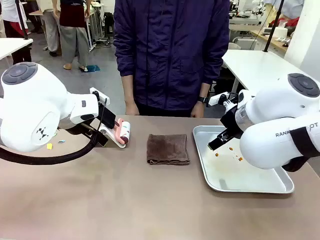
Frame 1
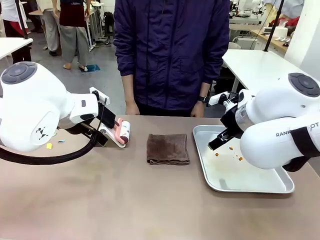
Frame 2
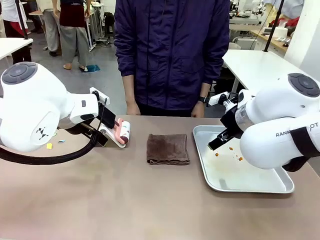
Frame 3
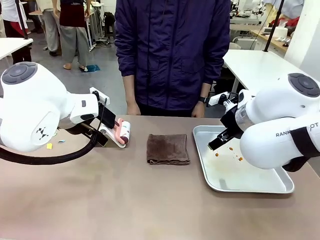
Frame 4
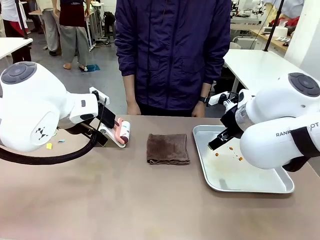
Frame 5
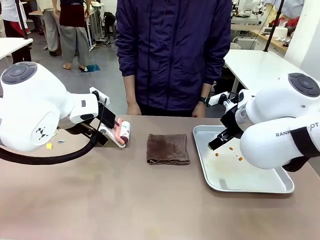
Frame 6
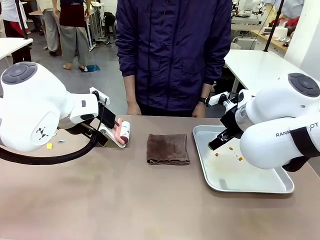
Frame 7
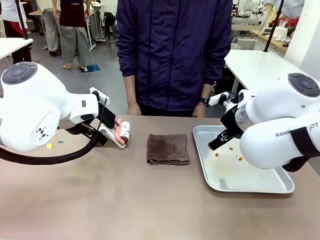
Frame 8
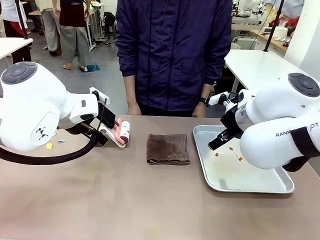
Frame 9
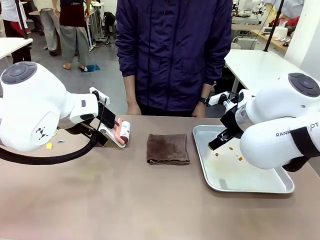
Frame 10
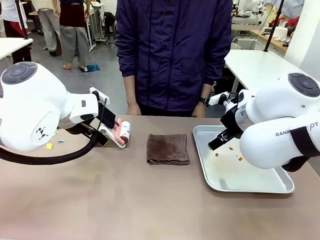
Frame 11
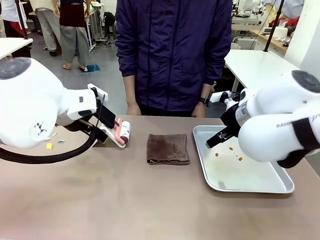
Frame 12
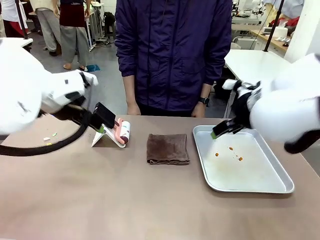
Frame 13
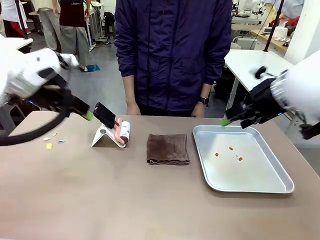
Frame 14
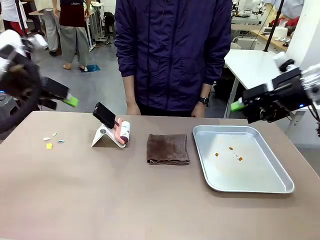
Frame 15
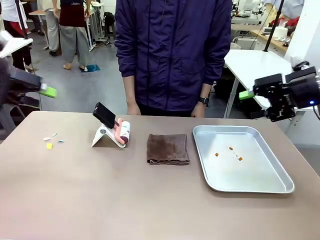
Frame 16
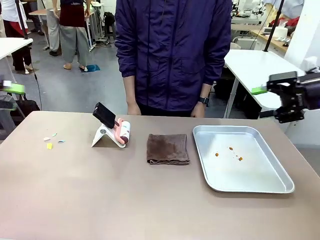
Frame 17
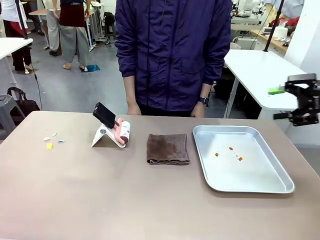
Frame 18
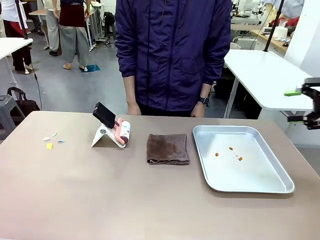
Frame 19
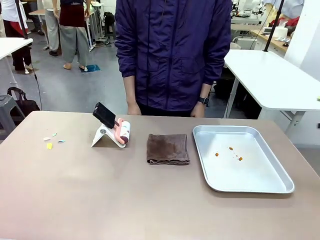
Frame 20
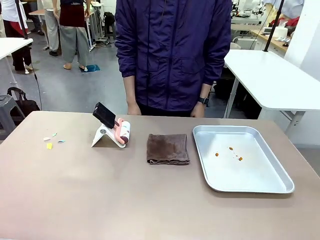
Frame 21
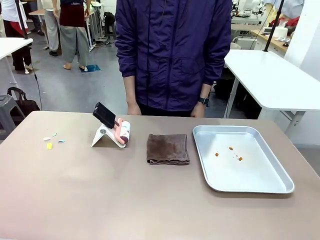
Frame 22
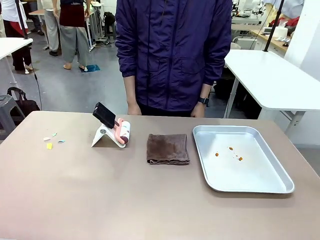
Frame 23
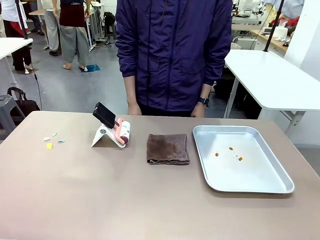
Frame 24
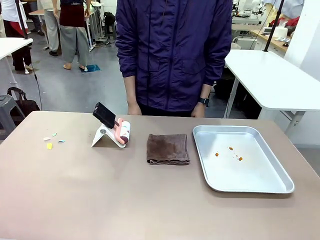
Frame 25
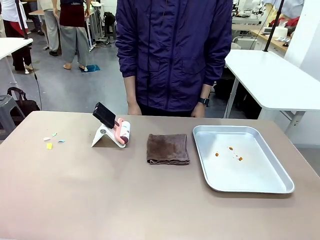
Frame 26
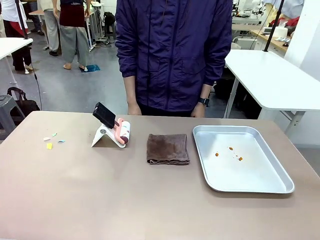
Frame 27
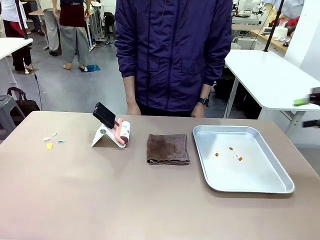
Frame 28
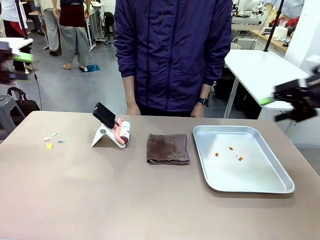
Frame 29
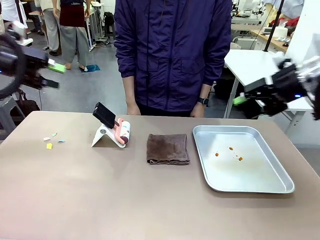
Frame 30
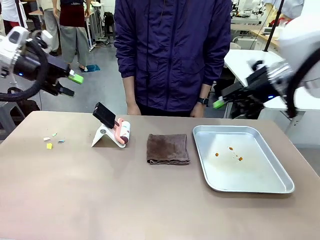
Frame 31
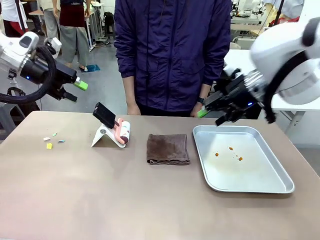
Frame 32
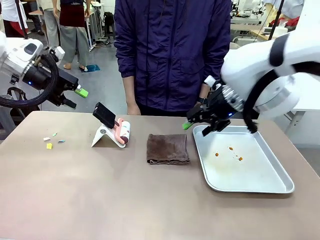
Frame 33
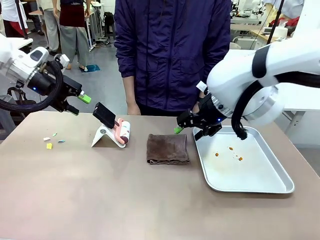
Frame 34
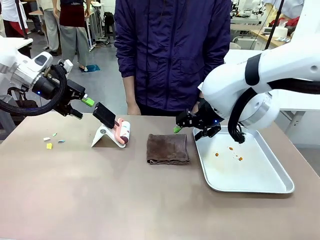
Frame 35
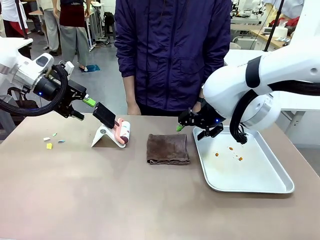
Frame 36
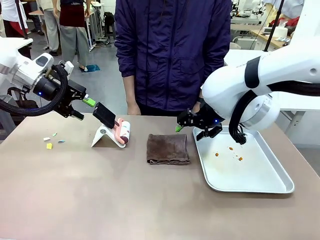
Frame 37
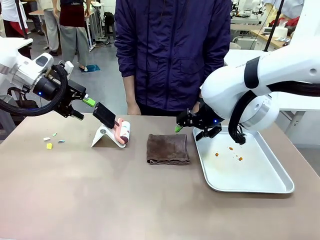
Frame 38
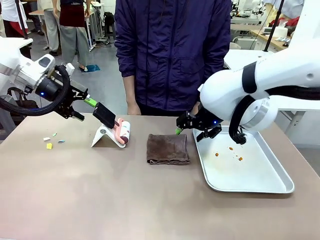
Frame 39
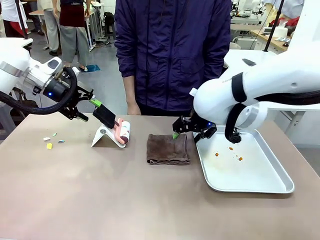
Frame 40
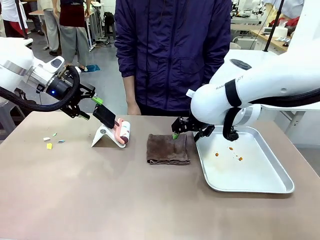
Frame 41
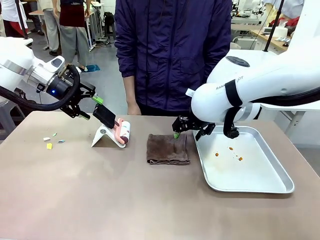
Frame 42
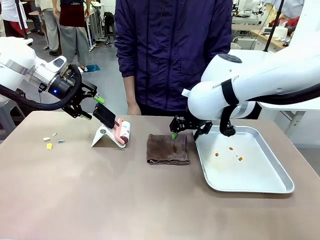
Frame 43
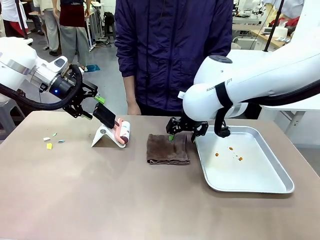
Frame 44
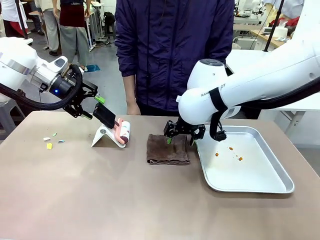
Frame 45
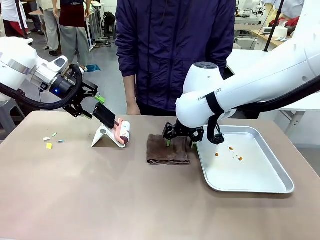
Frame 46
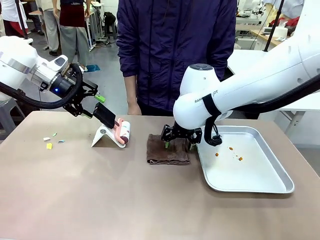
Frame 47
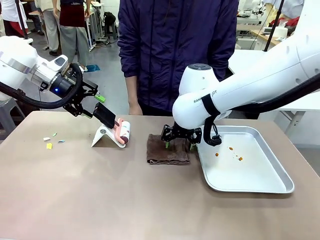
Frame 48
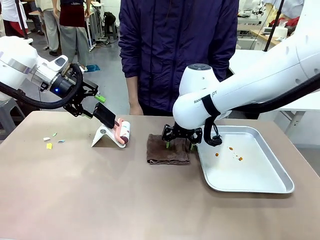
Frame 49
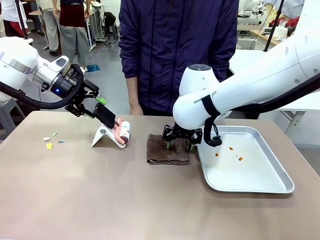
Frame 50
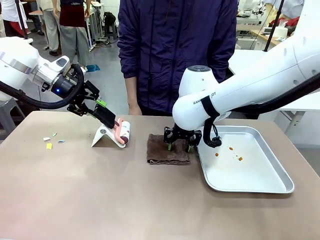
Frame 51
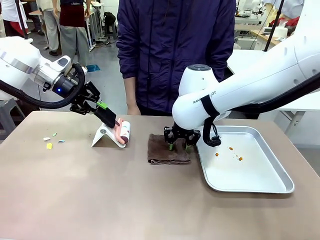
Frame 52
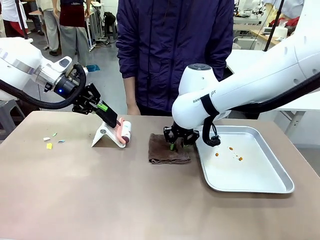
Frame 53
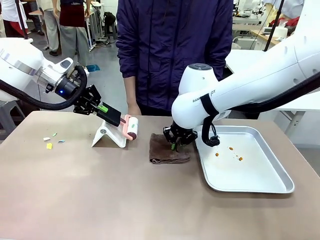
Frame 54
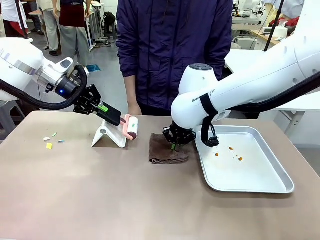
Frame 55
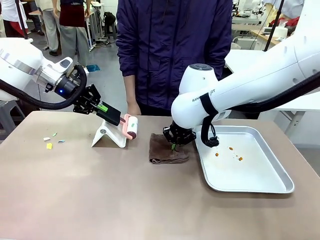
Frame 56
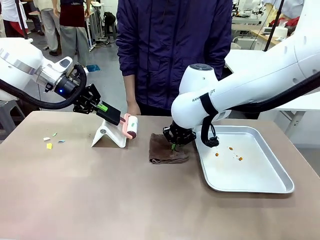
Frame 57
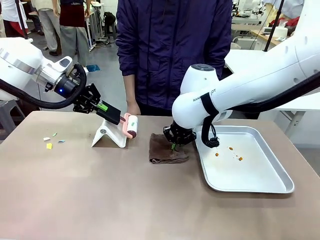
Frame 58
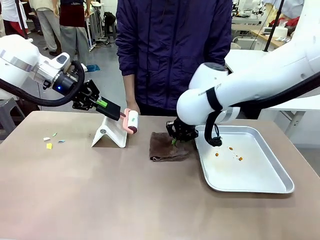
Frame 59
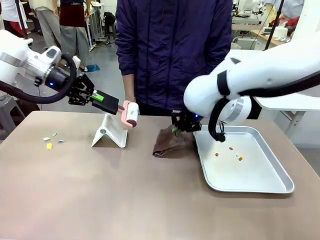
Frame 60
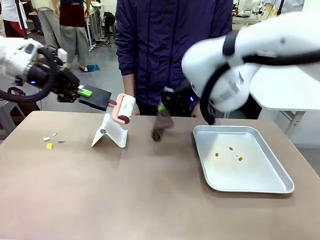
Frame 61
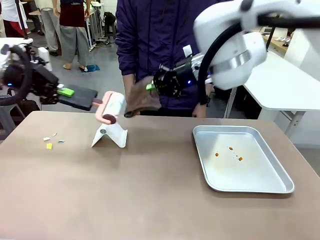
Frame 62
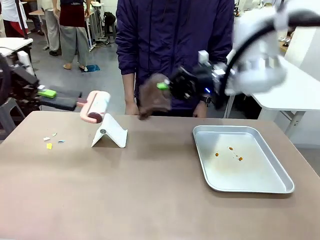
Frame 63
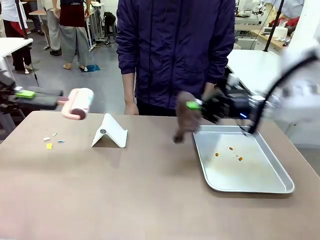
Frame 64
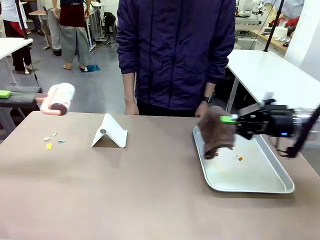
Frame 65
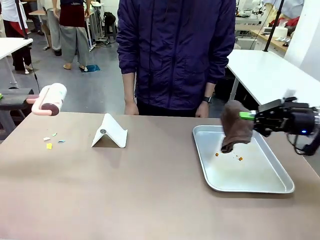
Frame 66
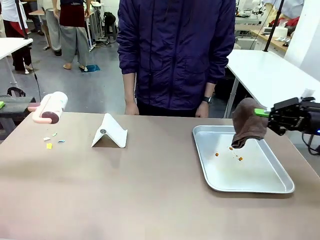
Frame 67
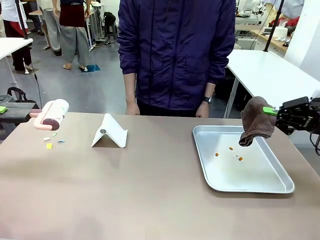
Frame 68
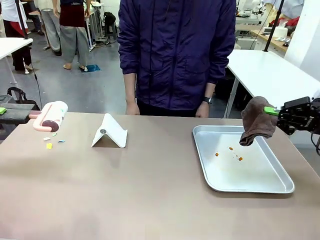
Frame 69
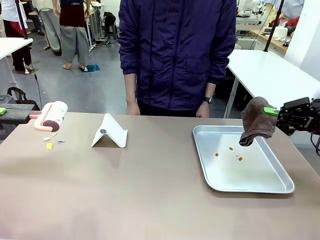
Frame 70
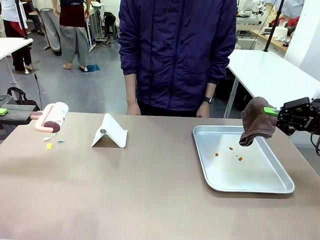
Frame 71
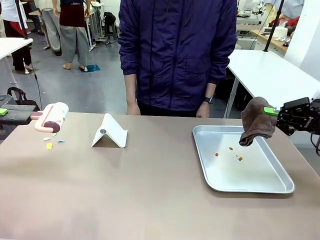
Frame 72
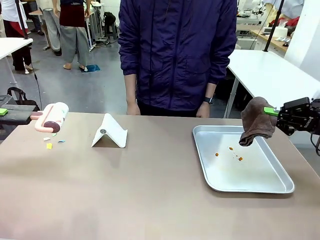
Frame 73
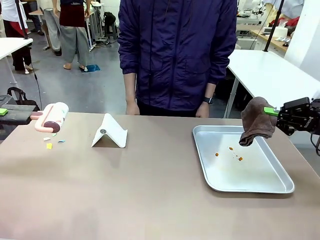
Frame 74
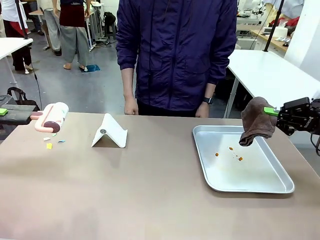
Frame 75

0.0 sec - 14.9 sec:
Task: Clean the surface of the table.
Robot: Hold the Lint Roller with your left hand and the towel with your right hand.
